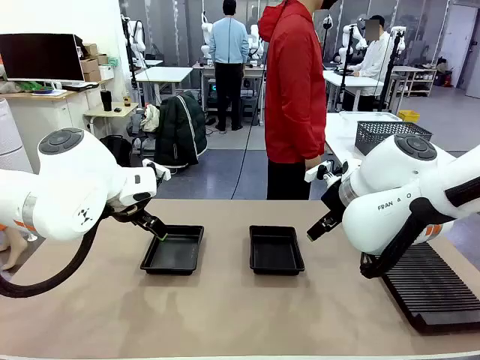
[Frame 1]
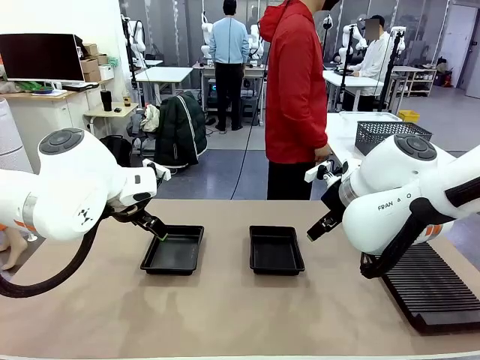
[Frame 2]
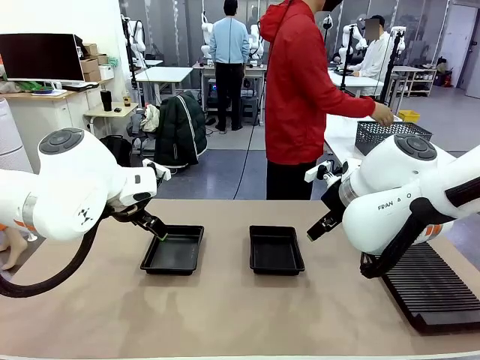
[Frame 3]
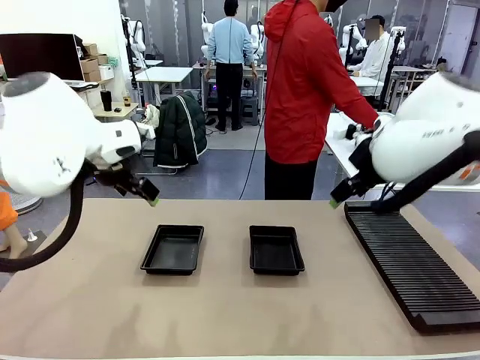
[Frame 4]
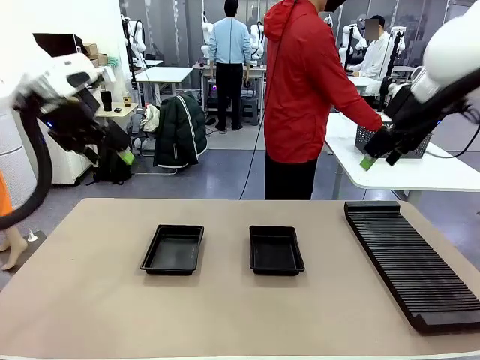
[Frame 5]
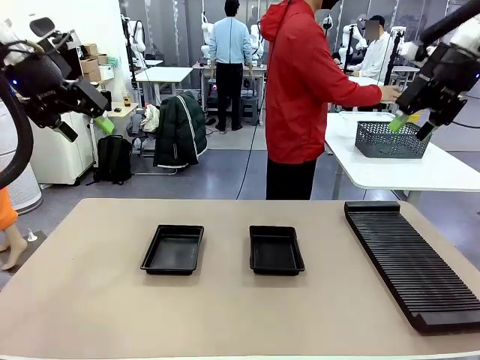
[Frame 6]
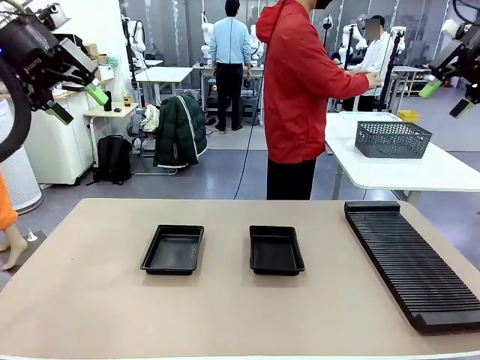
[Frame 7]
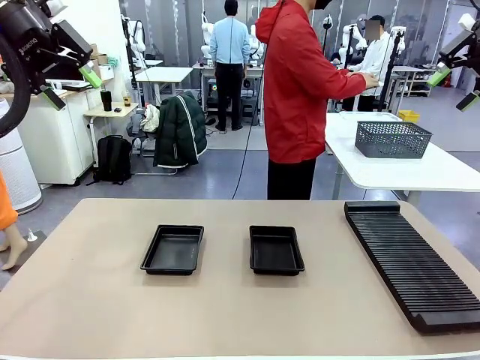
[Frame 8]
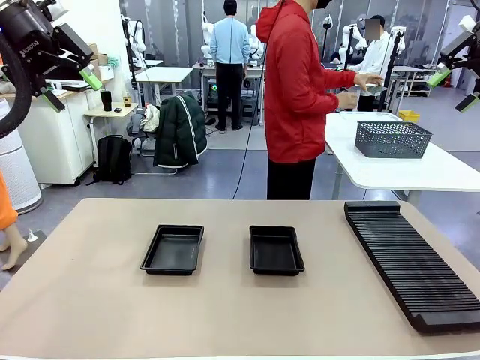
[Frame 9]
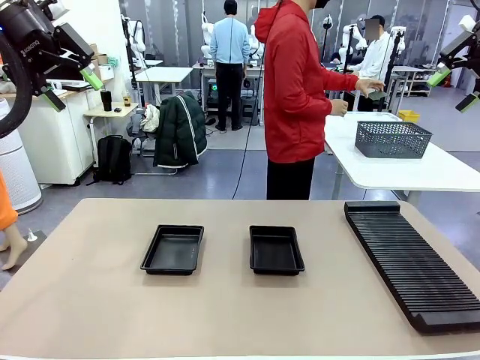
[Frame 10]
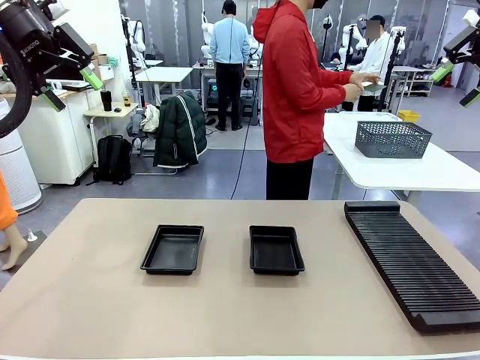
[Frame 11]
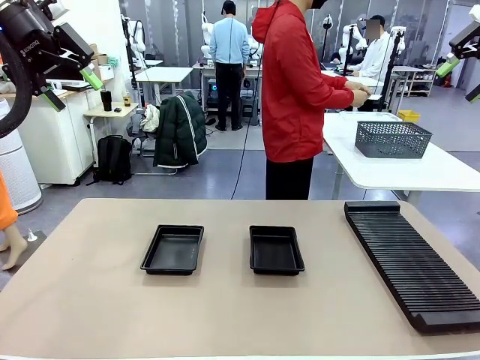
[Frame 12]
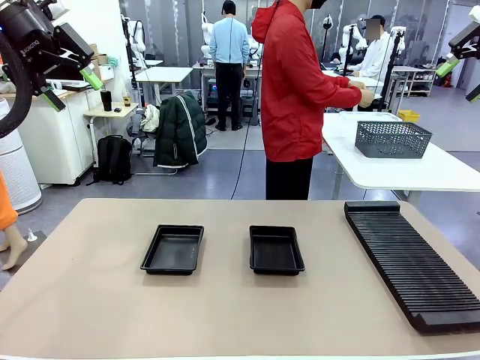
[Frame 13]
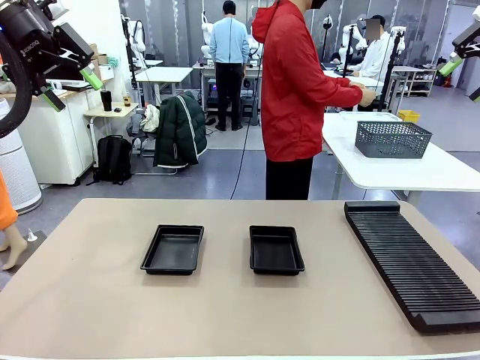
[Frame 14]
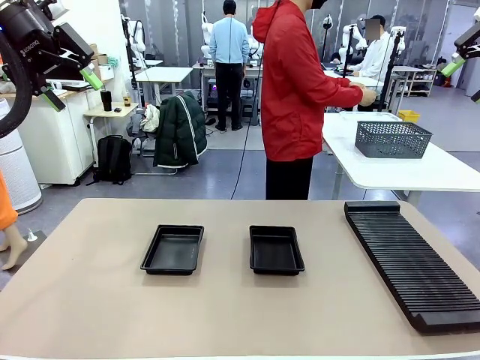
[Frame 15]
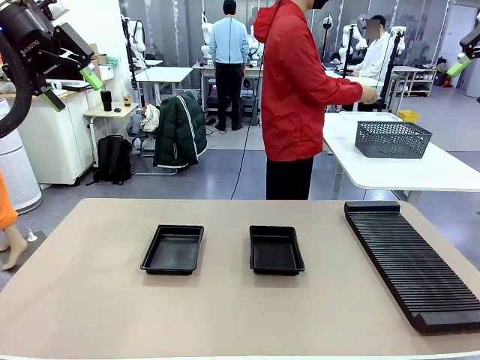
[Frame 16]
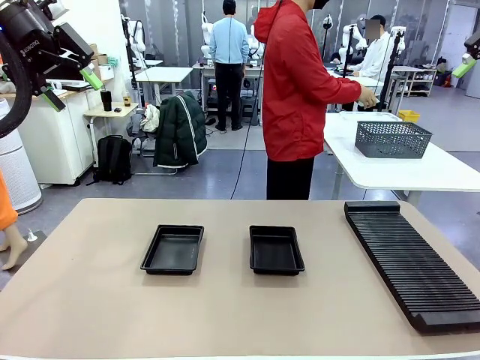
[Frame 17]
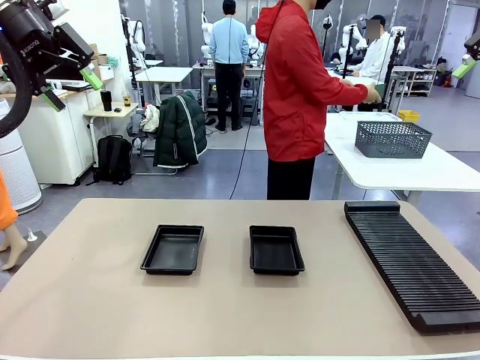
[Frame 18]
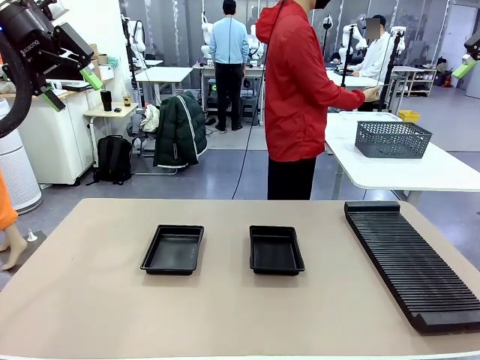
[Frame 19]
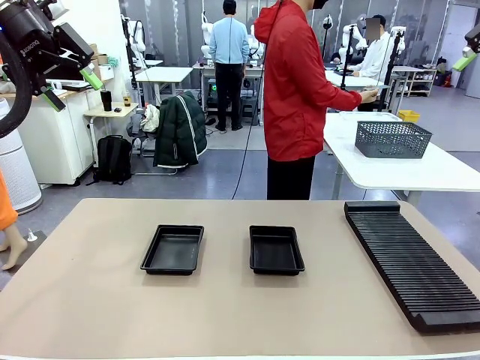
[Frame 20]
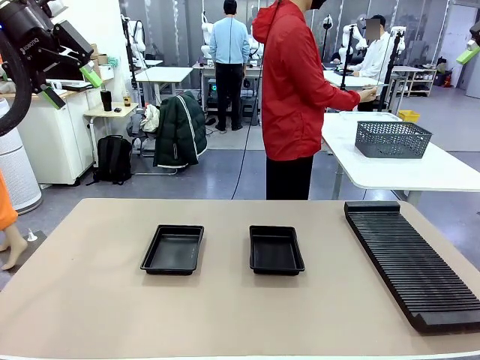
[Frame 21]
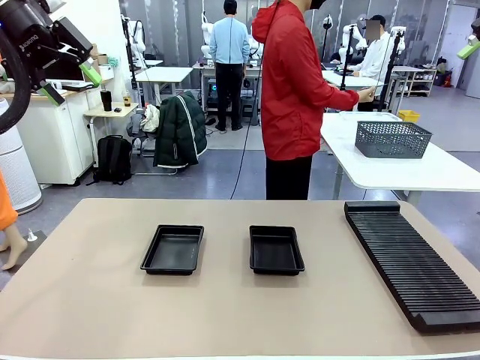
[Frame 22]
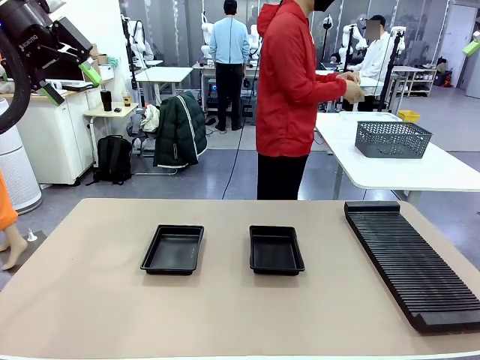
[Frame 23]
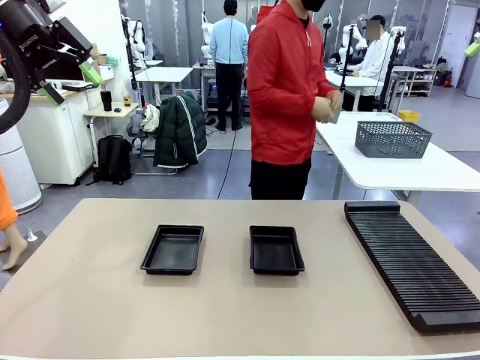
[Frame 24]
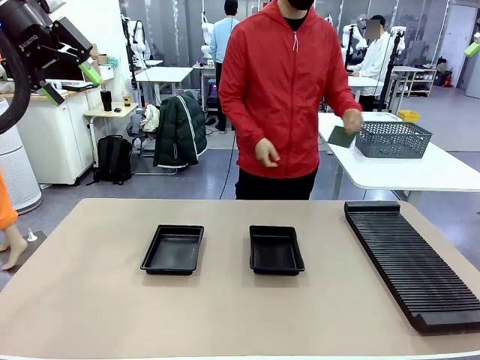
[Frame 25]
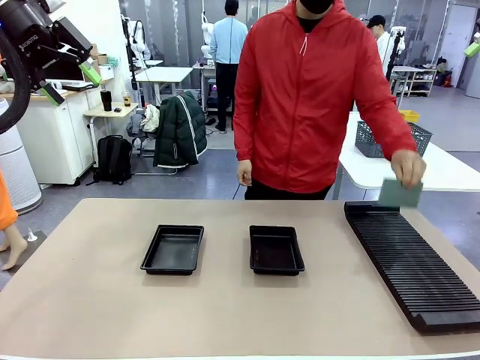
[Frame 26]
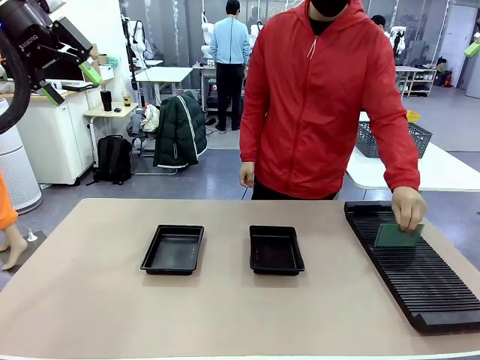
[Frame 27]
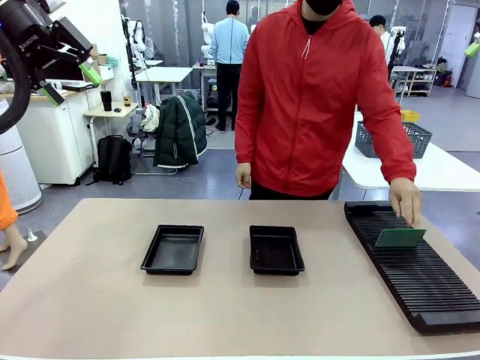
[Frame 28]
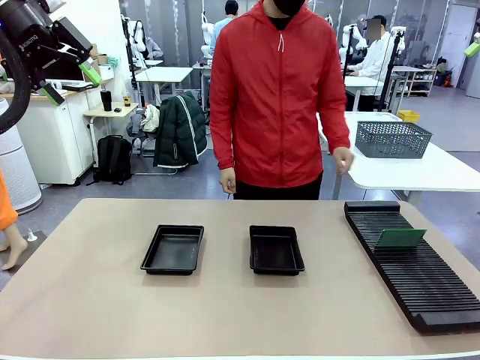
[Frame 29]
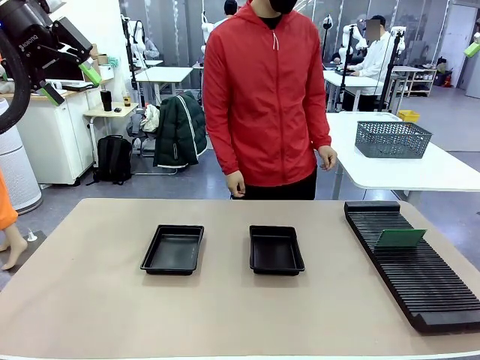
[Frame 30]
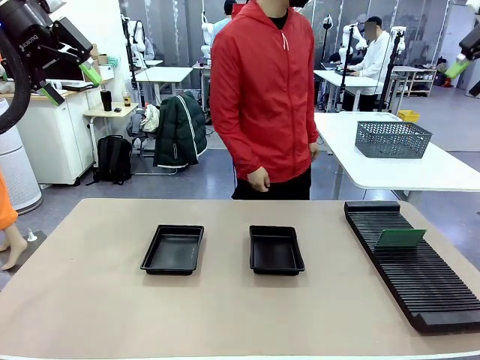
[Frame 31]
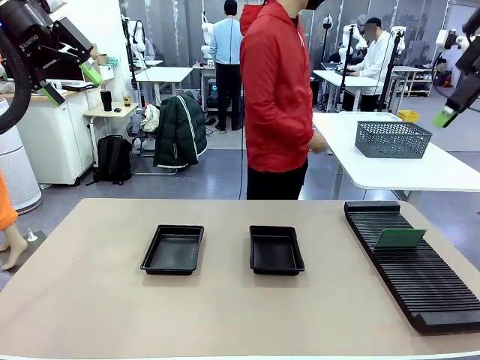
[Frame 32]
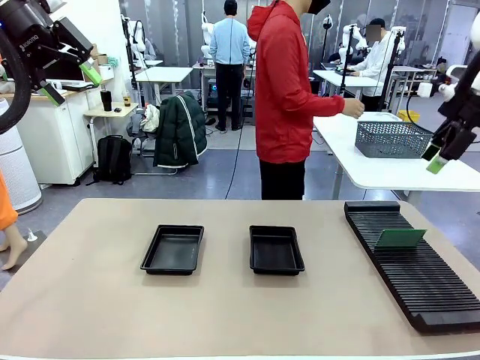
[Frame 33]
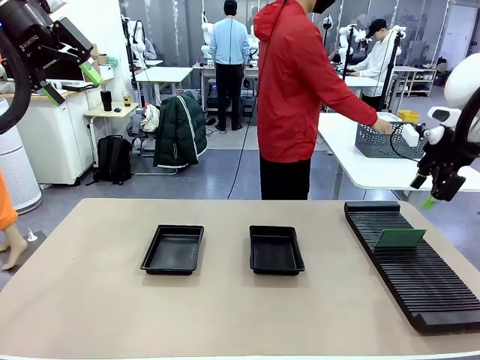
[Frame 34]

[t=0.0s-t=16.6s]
Task: Inspect and transfer BCBs to ESD trays.
Robot: Pick up the Blank PCB from the PCB Rack and place it in the left ESD tray.

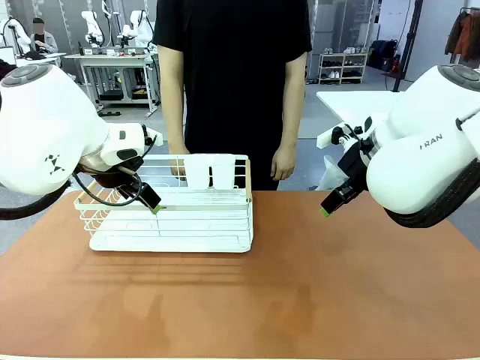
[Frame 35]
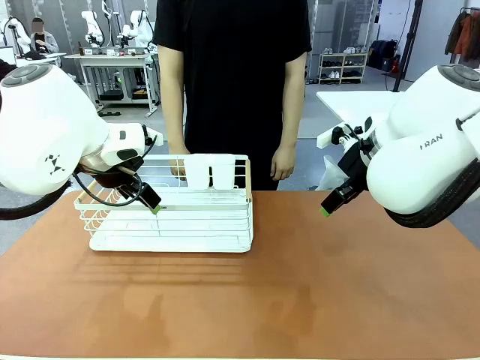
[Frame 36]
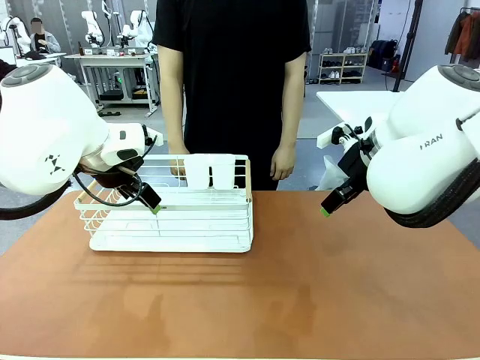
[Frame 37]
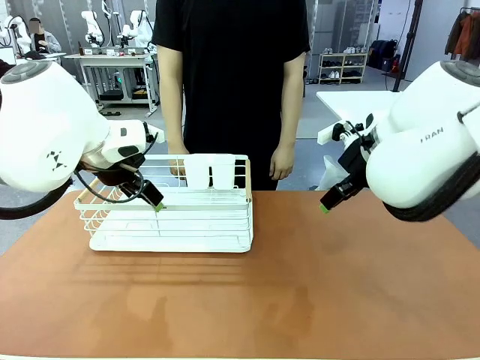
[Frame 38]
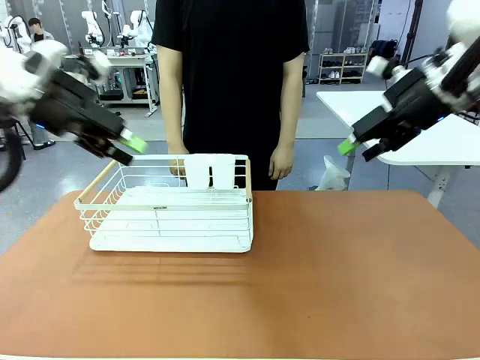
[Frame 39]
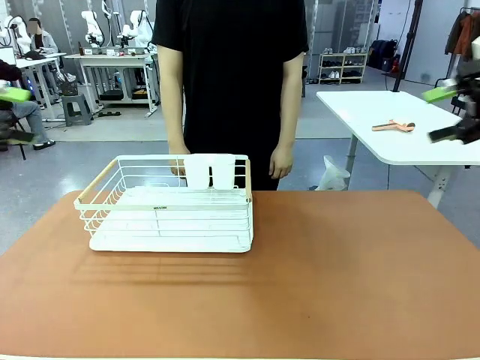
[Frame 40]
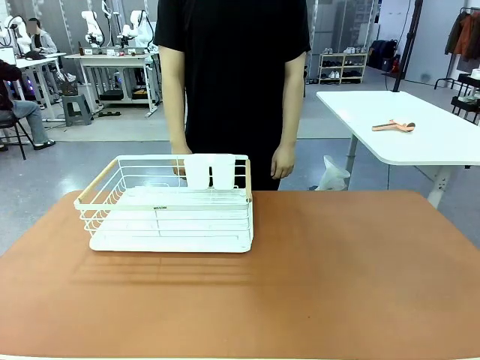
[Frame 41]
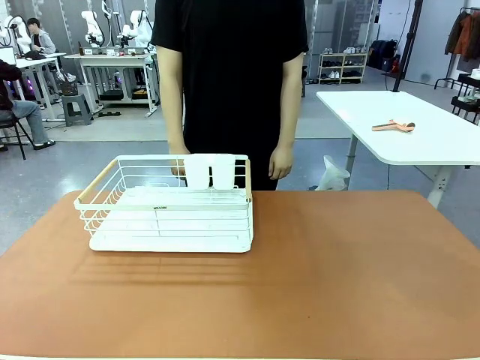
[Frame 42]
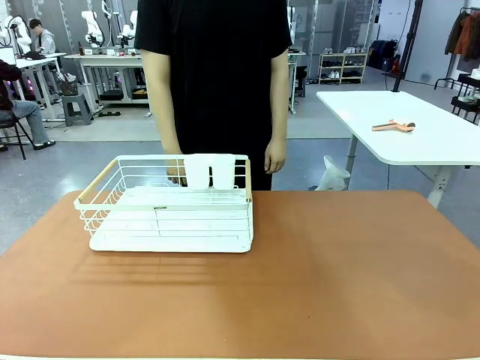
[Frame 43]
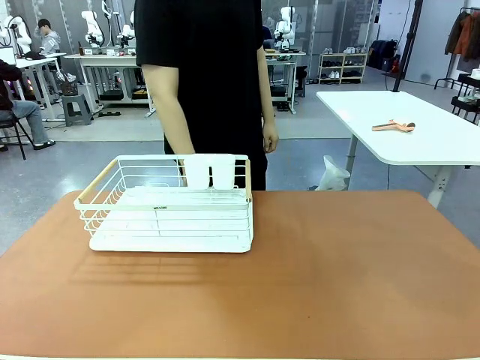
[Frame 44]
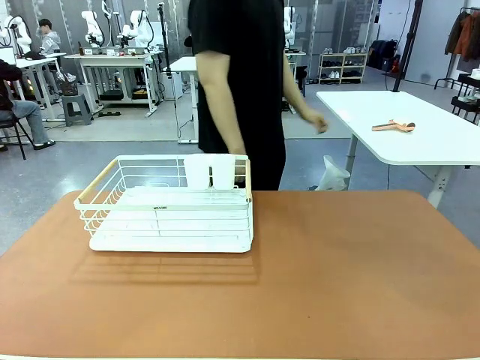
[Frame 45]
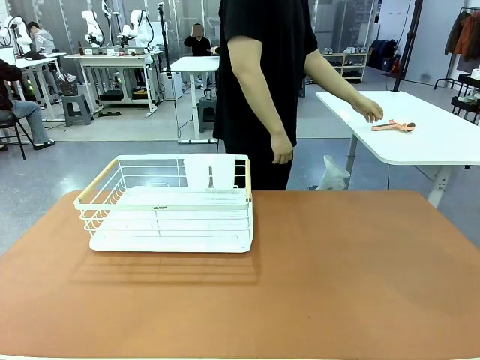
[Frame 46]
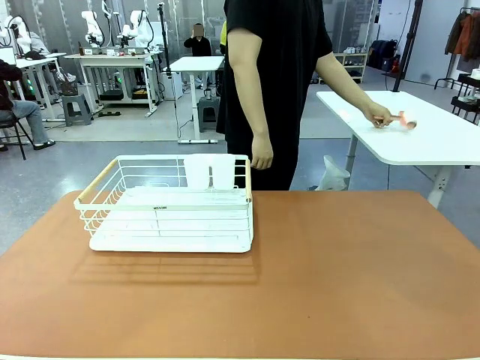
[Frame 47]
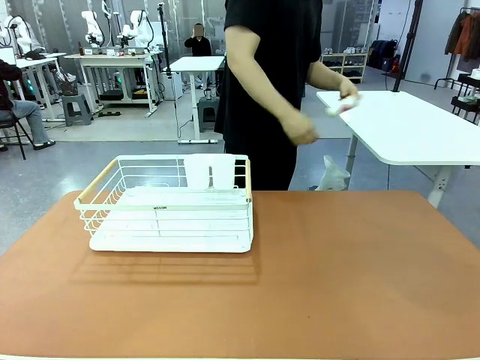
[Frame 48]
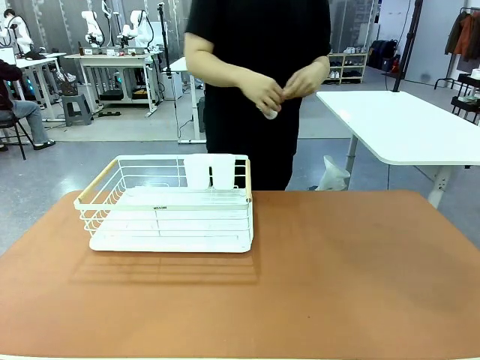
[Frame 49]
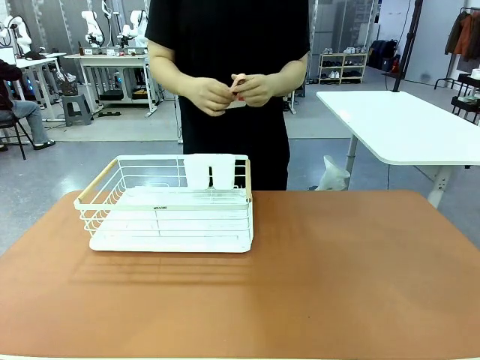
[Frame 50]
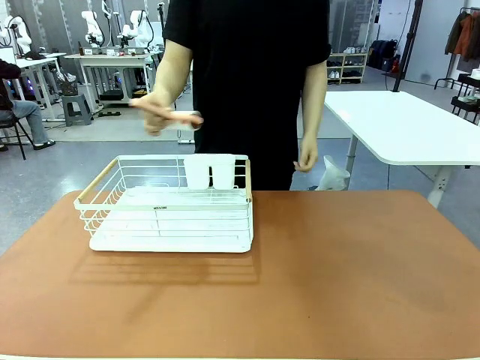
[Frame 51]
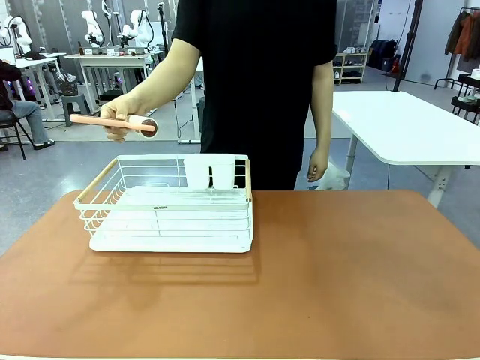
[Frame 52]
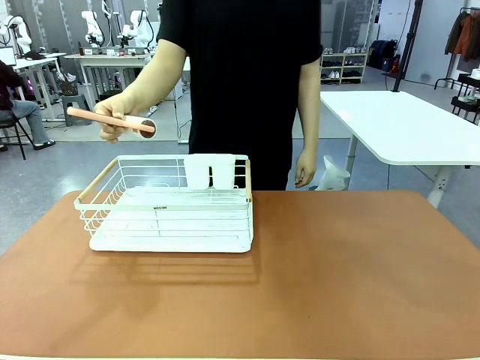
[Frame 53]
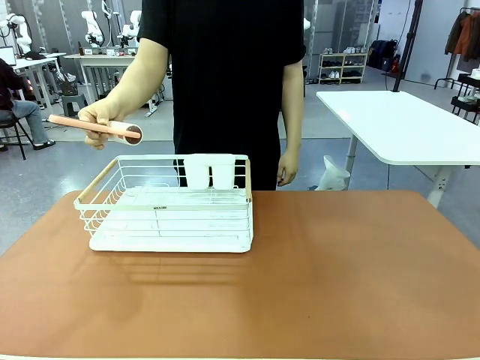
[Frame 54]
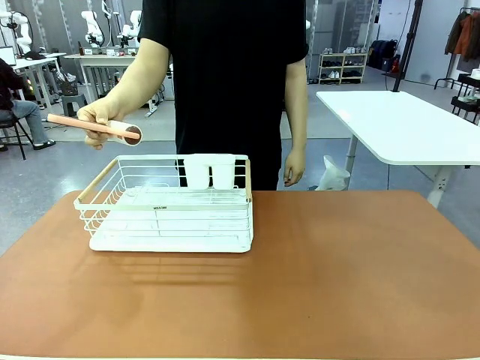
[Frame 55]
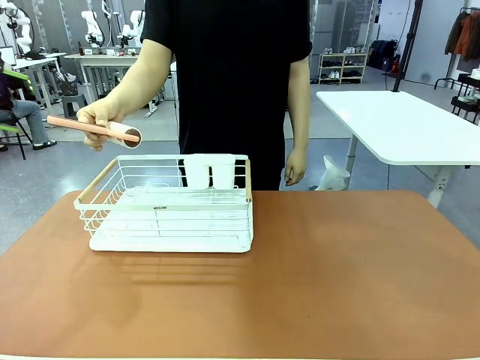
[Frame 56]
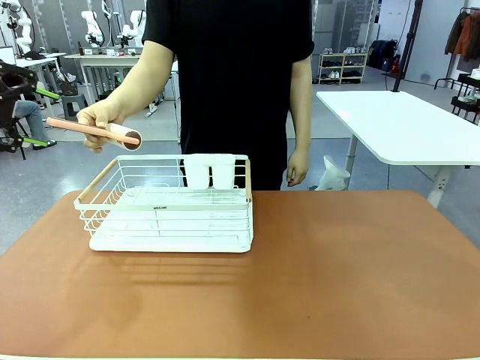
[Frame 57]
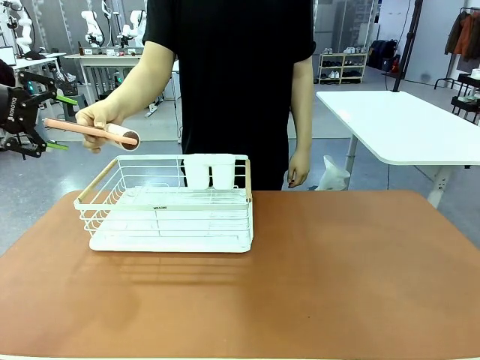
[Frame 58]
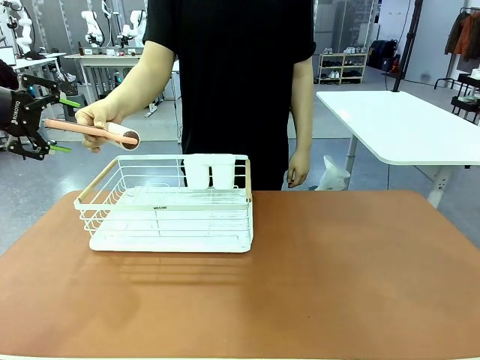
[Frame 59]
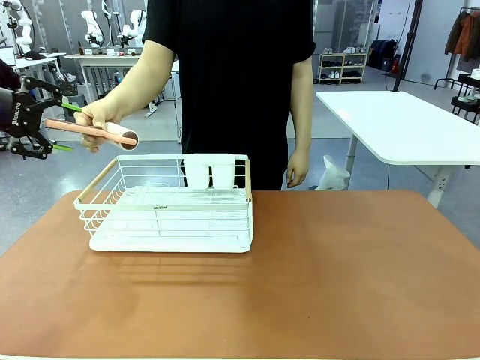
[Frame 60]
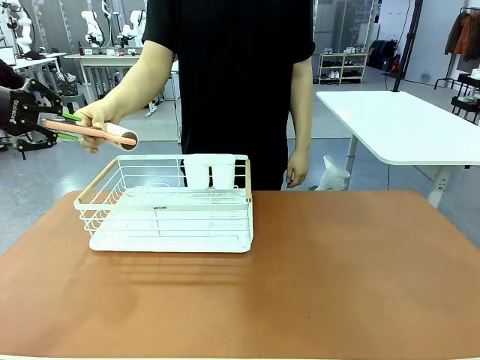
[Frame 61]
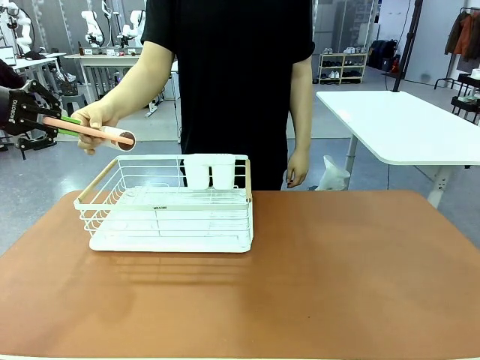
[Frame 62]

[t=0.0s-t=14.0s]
Task: Clean the table.
Robot: Pick up the Lint Roller when the human hands it over.
Person: Hand the Lint Roller to the robot so it can easily pick it up. Lift the Dish drying rack.
